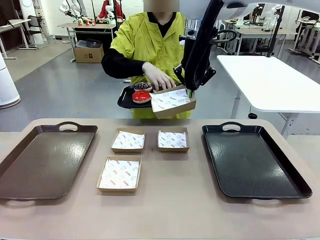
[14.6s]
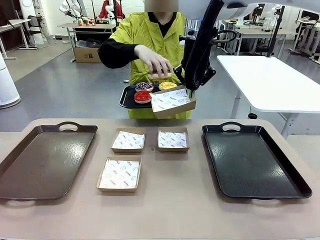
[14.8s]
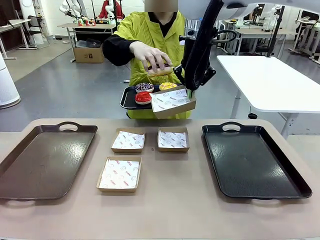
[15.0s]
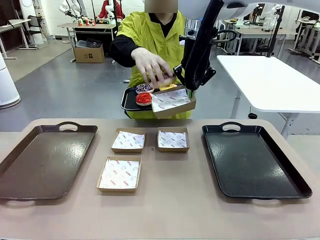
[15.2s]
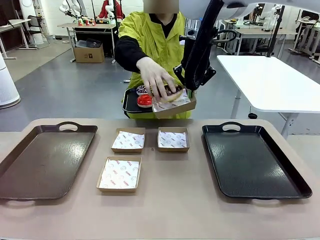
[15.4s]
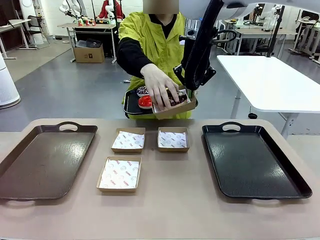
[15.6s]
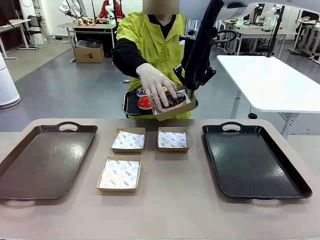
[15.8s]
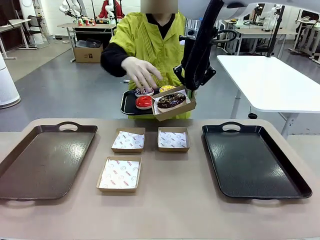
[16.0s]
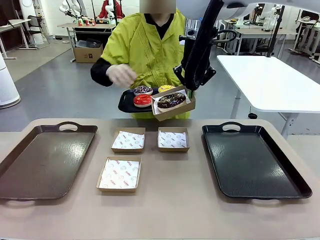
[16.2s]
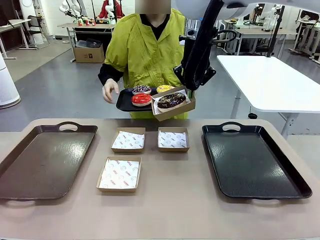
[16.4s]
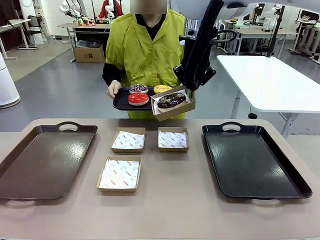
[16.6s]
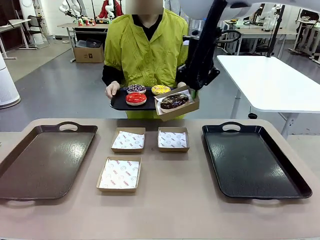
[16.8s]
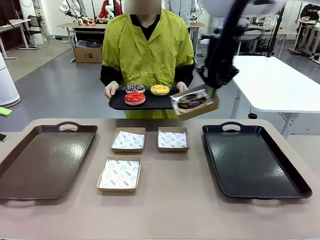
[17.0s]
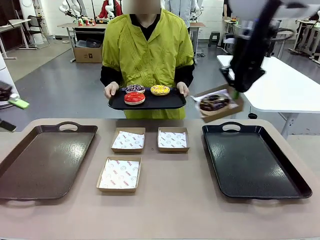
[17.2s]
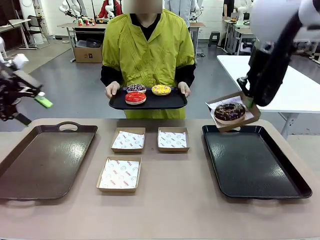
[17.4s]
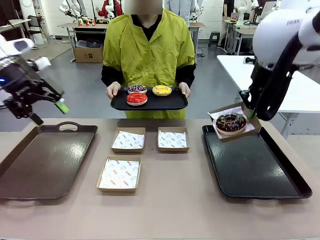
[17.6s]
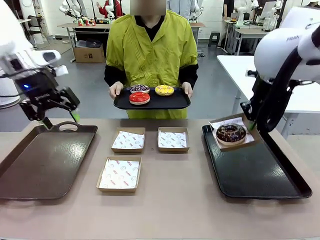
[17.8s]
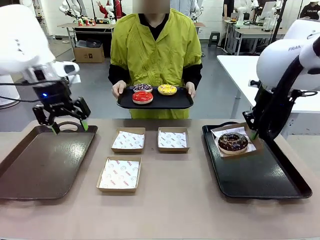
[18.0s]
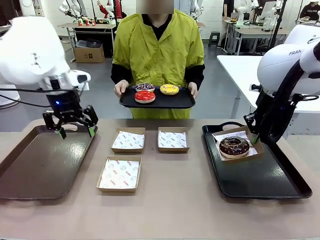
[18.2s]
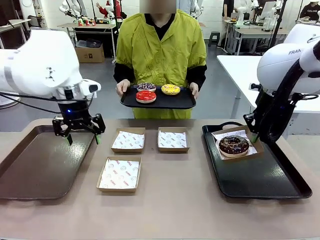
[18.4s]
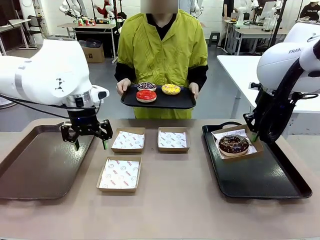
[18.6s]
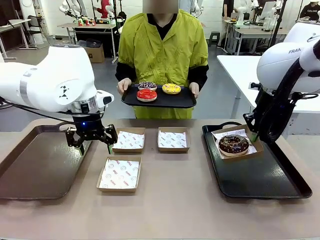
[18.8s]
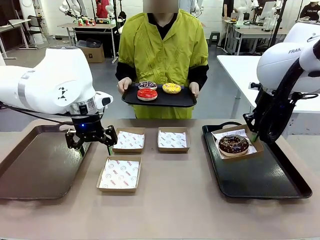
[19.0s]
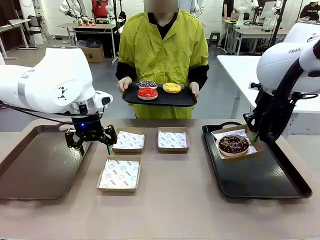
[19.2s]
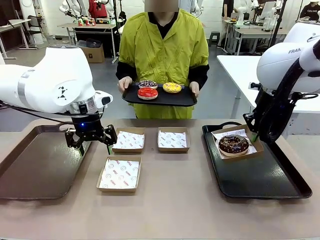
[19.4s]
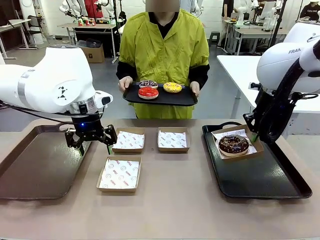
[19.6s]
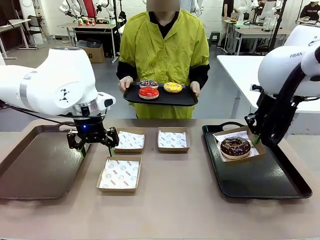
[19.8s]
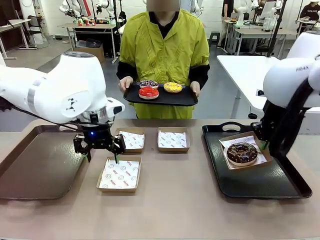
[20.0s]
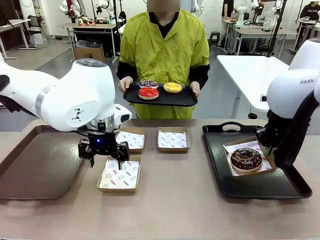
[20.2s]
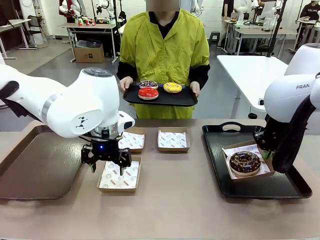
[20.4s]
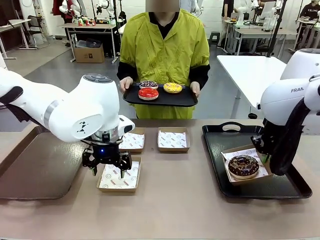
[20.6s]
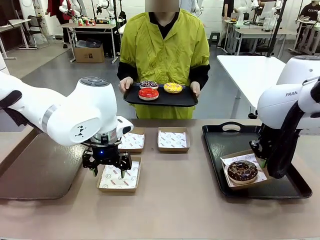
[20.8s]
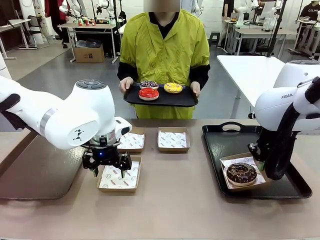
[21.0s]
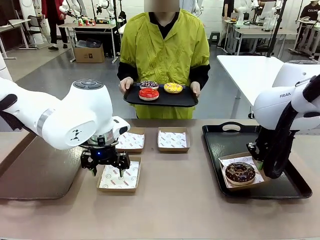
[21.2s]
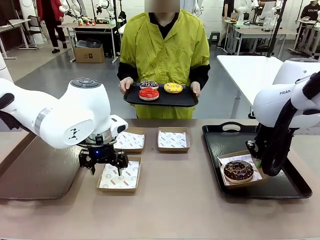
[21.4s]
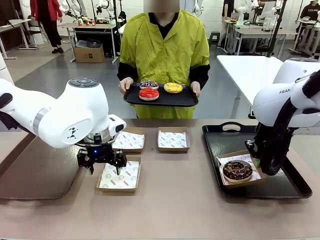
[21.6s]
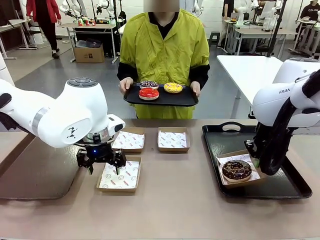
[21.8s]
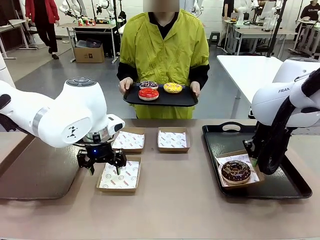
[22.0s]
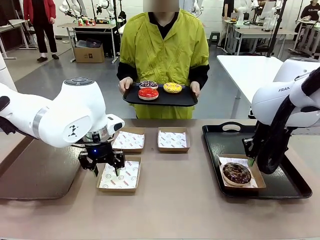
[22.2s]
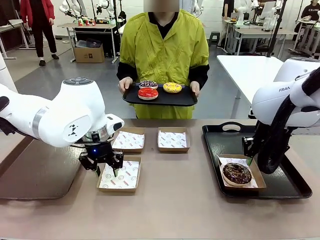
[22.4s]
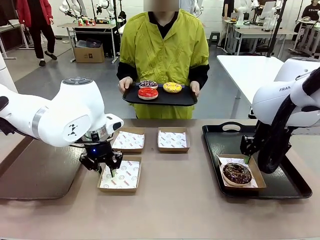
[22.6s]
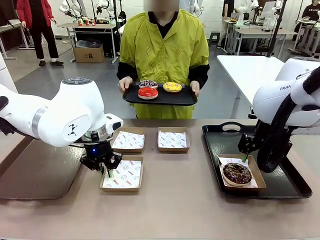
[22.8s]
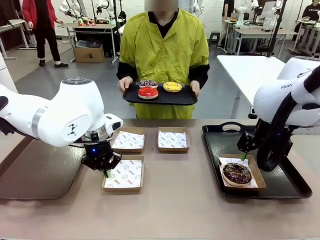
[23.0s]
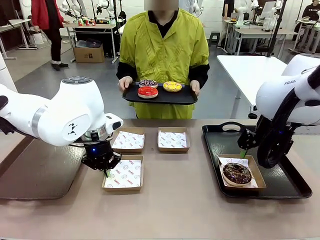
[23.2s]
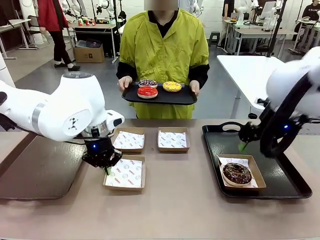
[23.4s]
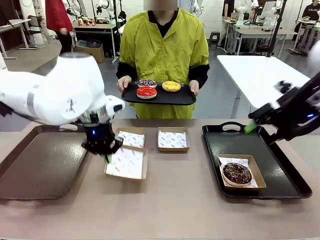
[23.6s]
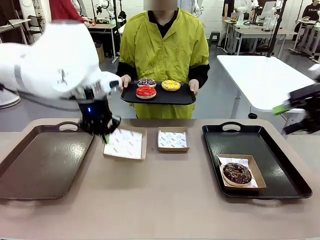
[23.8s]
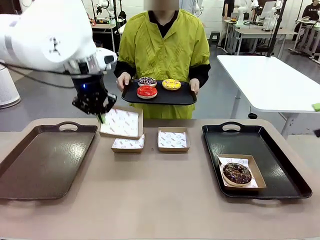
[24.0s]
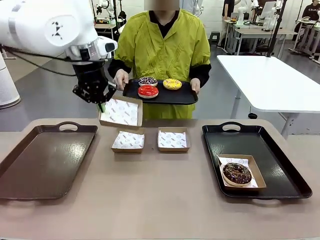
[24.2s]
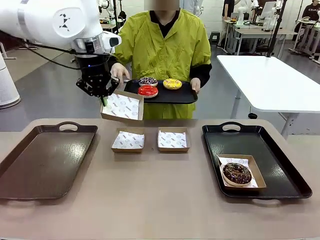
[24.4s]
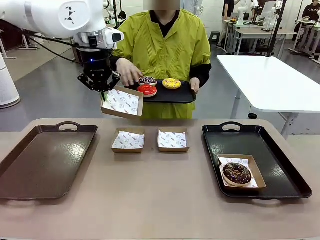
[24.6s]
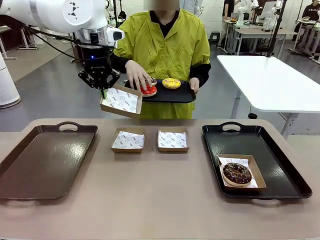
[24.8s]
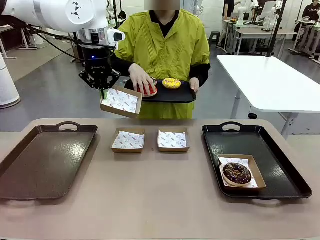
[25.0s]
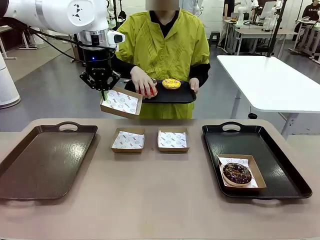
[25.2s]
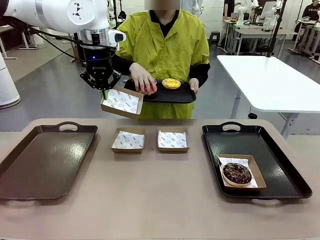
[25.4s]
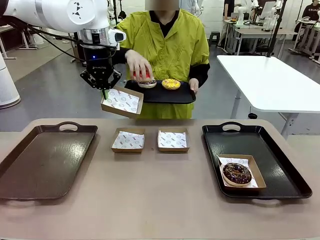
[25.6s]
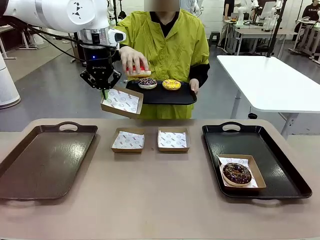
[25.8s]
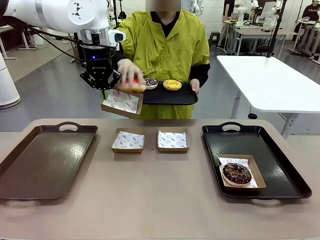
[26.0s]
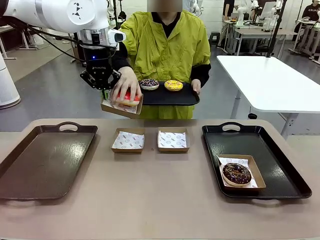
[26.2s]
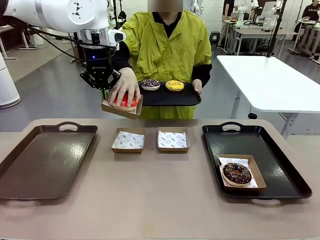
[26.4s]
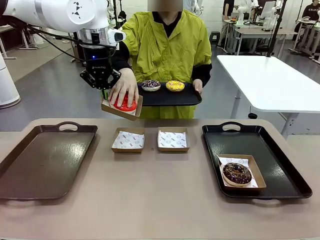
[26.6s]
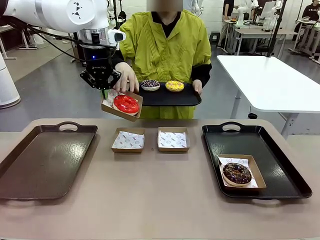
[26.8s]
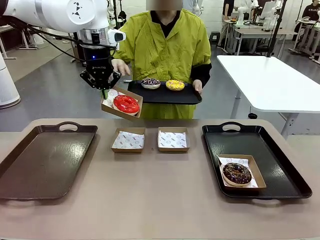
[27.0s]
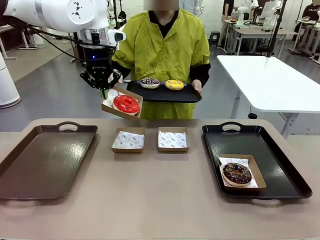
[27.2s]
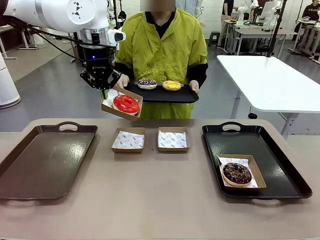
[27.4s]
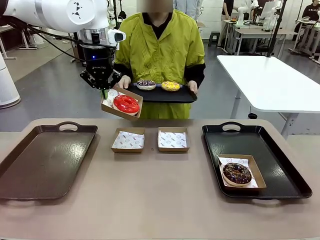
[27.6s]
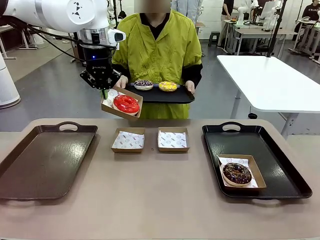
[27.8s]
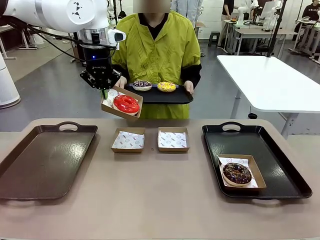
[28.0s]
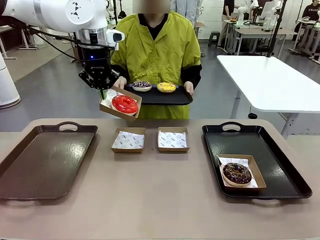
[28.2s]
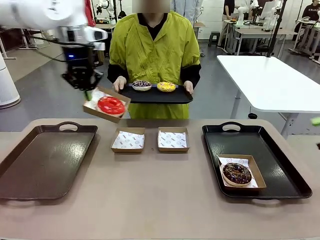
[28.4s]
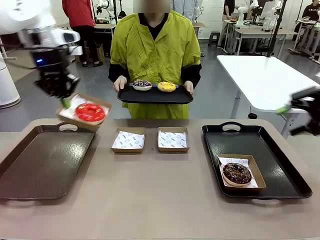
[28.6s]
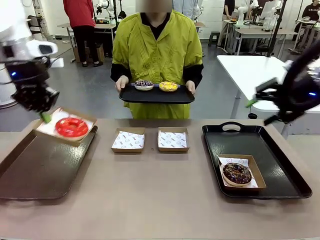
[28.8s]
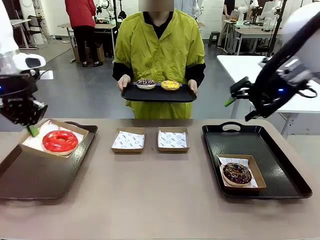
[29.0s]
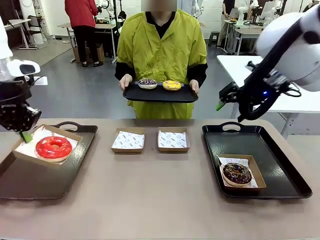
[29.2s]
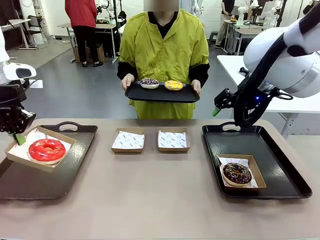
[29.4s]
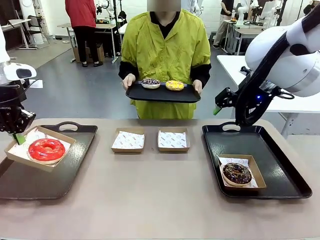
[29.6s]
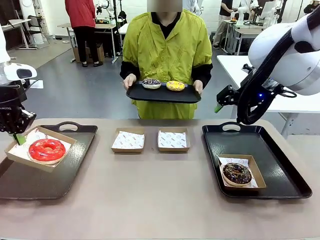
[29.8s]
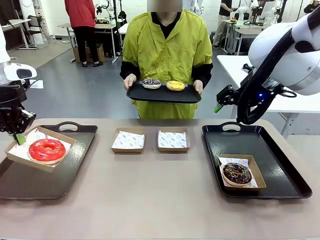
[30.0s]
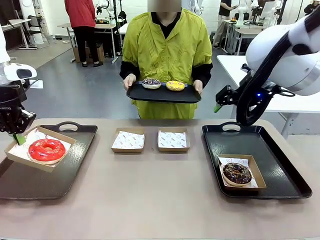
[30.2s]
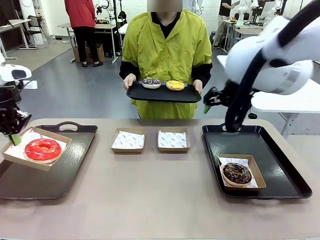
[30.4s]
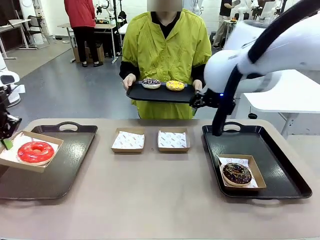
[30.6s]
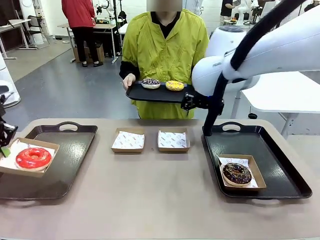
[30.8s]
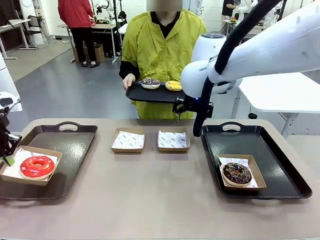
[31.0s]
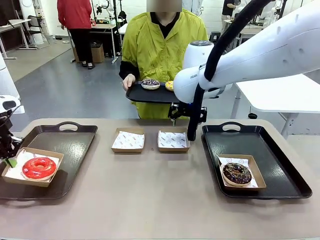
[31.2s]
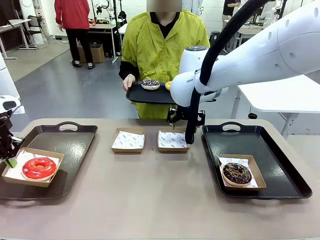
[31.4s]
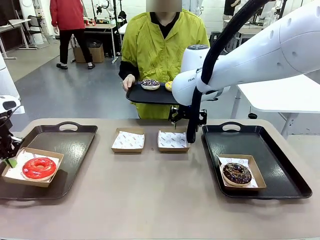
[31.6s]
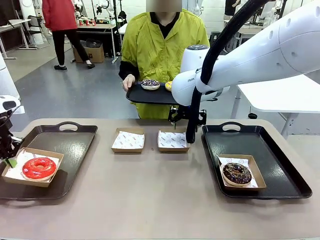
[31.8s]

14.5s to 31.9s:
Task: Individually package the donuts and arrange them on the tray.
Robot: Place the picked Paper togo box on the Handle tray while simultaneously picking up another Paper togo box from the table with the other hand.
